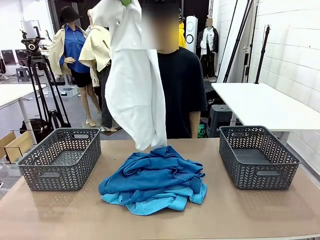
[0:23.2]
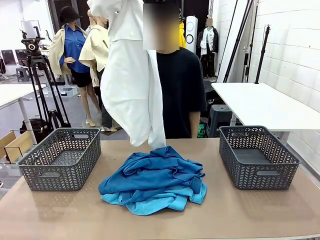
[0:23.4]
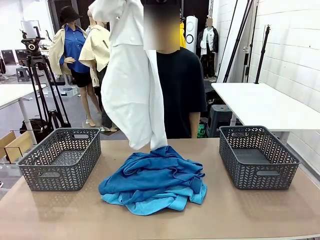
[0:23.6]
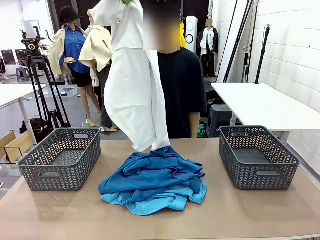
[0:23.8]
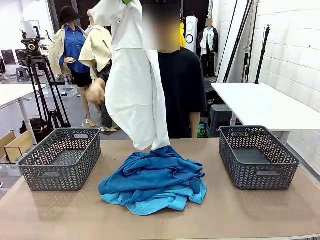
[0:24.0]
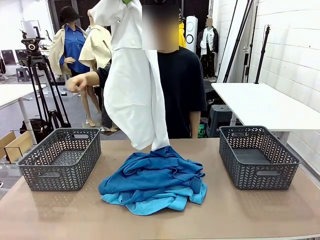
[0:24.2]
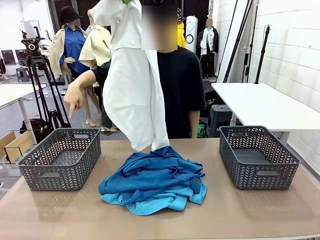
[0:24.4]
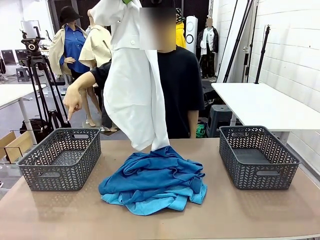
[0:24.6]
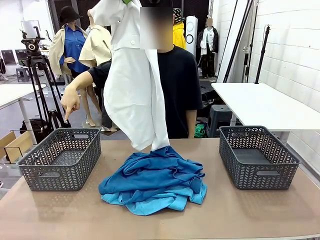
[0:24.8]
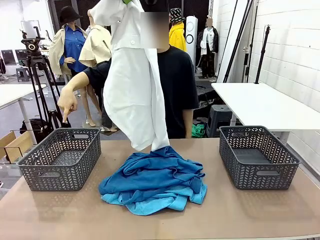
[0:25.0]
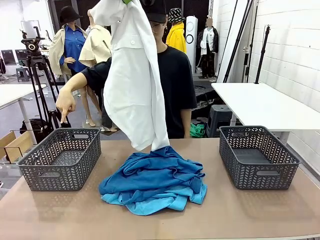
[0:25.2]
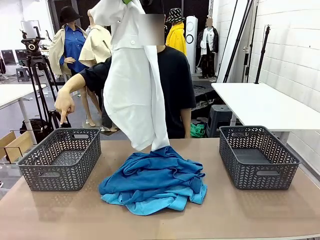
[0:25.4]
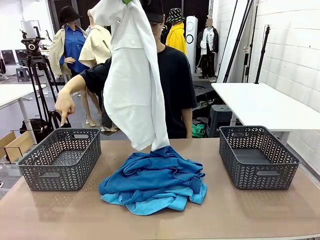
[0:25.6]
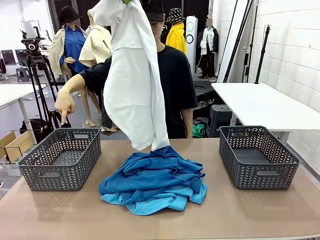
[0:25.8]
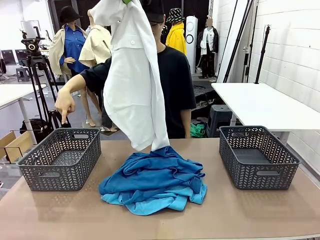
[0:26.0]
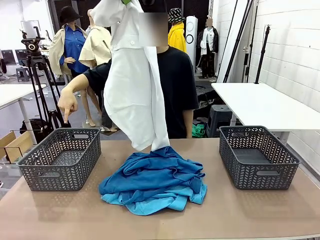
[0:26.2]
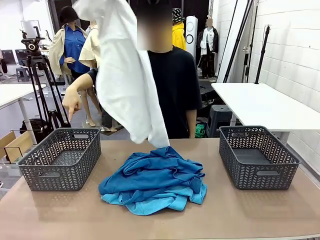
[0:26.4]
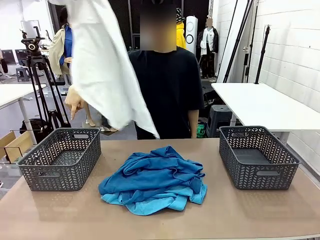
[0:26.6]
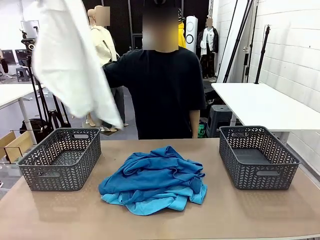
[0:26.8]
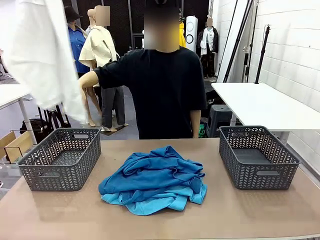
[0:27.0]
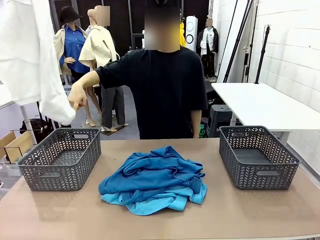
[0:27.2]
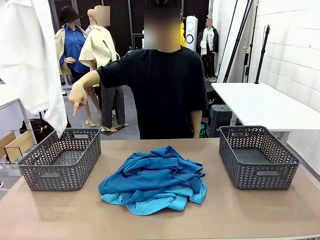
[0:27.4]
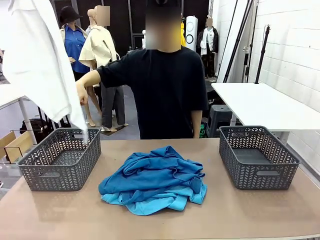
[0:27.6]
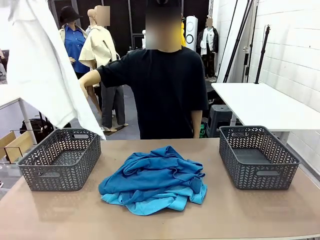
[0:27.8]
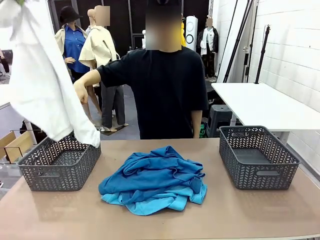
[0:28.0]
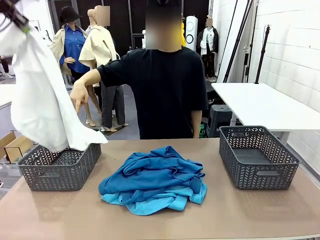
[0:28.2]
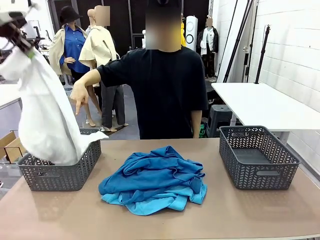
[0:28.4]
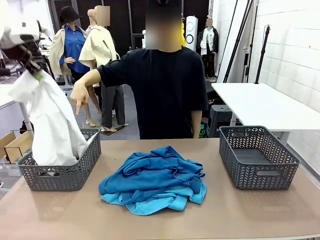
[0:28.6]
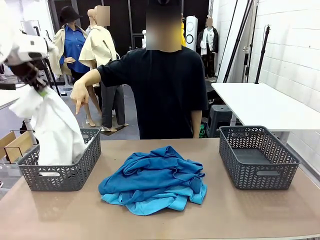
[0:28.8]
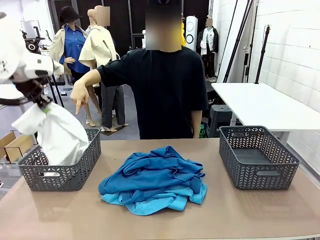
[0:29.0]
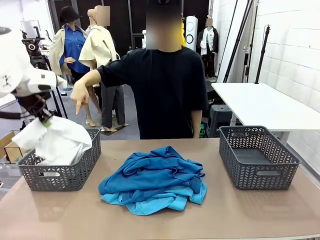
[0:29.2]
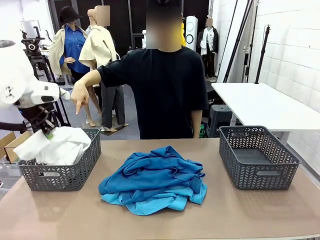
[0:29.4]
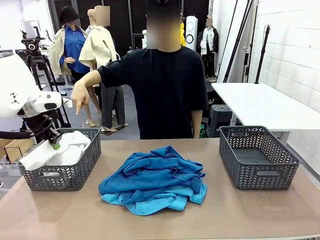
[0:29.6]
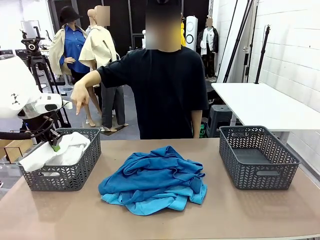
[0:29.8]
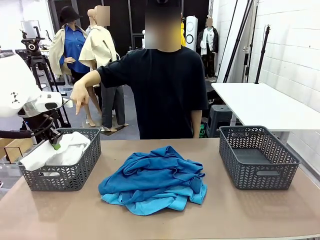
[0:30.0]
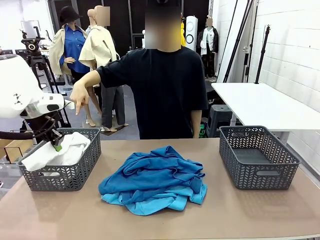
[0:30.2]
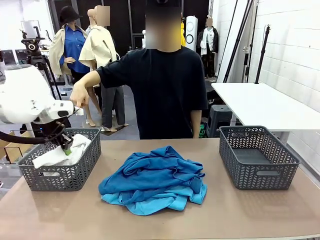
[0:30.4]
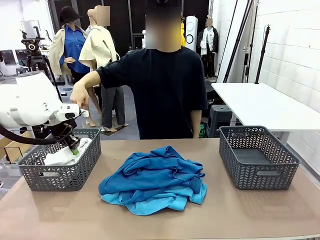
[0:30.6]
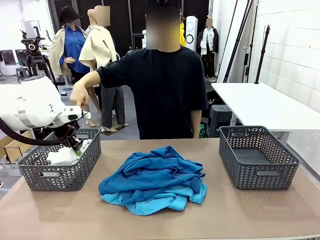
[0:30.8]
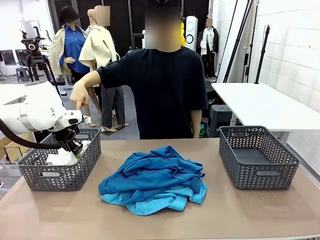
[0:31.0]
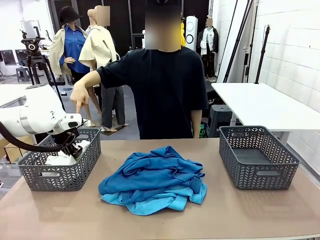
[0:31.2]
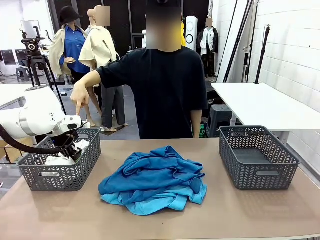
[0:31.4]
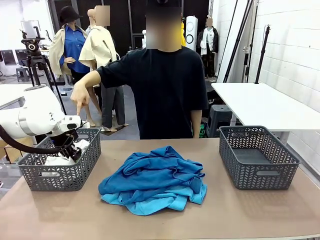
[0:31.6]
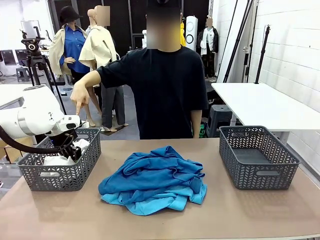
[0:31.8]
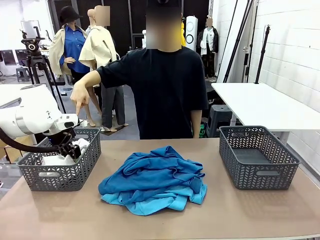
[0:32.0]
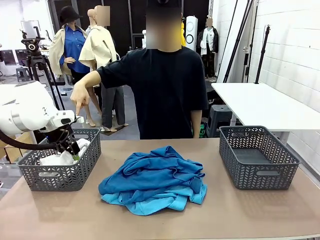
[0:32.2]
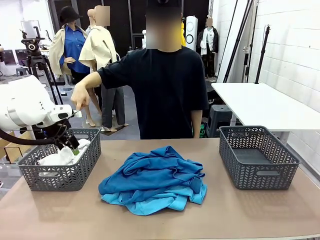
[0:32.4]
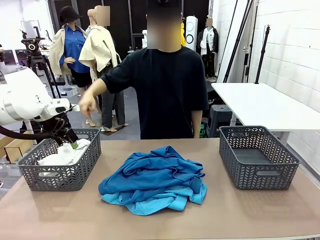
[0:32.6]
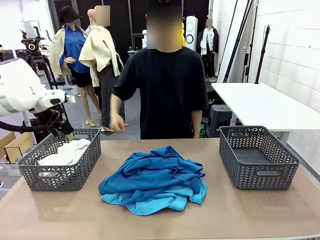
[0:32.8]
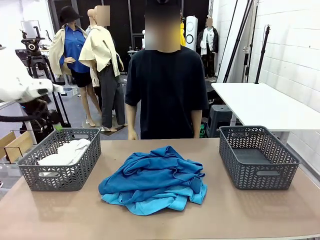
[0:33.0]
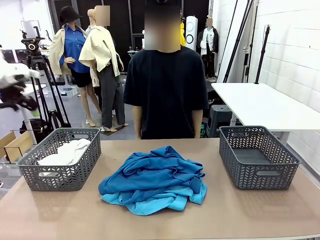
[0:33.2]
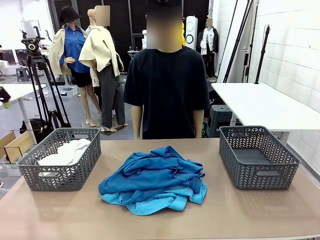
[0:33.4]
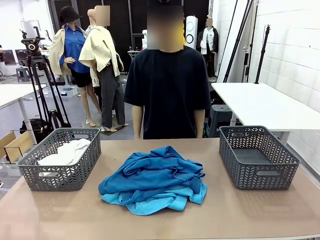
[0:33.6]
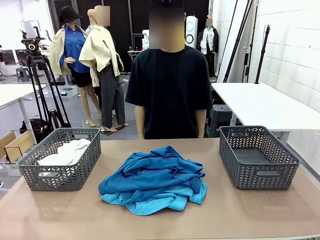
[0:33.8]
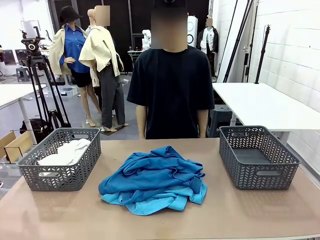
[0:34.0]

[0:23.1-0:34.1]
Task: Sort the tops and bottoms.
Robot: Sort the clothes according to human instructions.

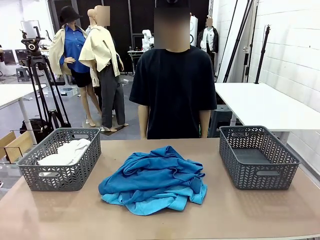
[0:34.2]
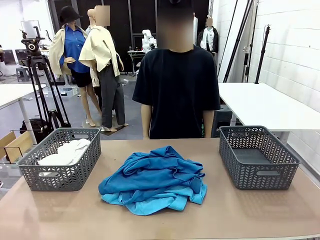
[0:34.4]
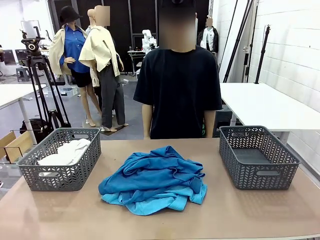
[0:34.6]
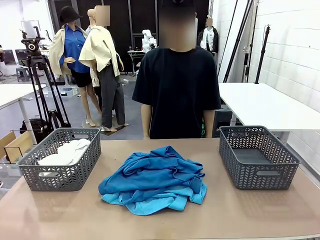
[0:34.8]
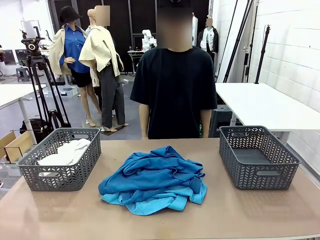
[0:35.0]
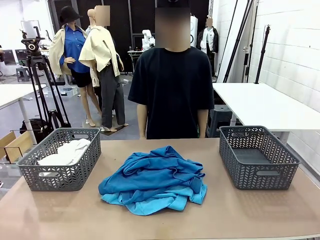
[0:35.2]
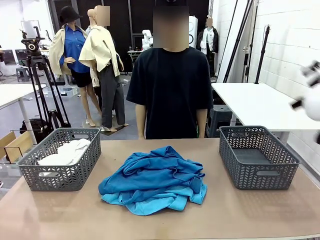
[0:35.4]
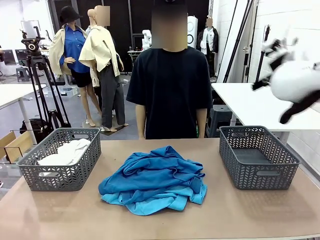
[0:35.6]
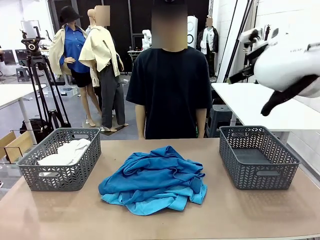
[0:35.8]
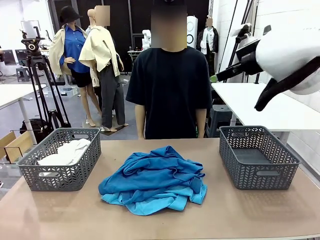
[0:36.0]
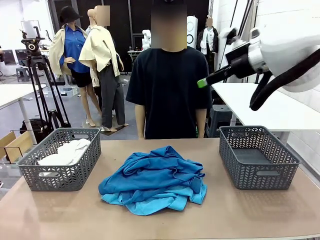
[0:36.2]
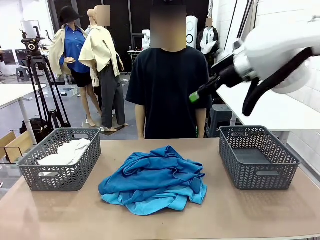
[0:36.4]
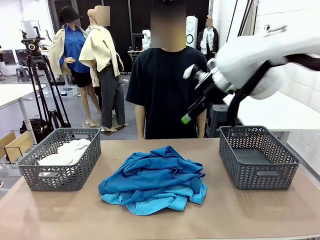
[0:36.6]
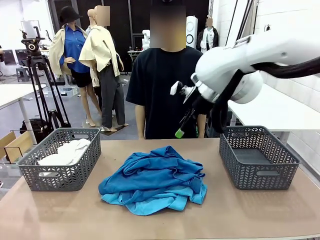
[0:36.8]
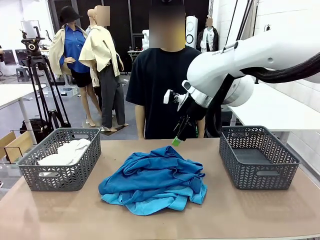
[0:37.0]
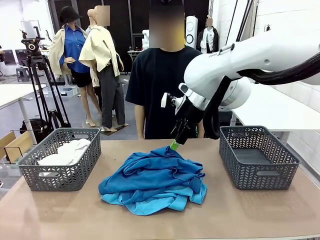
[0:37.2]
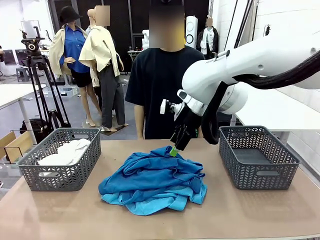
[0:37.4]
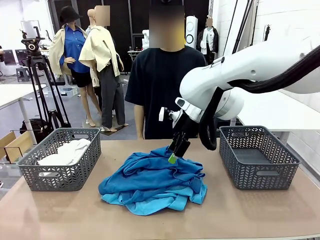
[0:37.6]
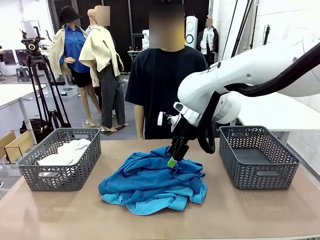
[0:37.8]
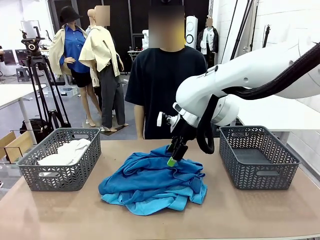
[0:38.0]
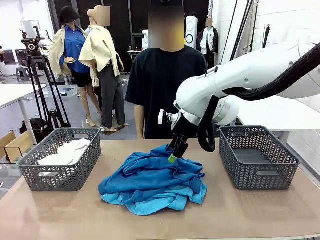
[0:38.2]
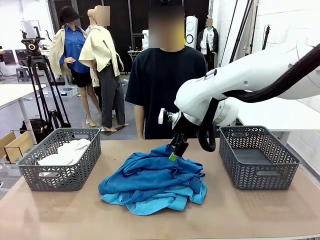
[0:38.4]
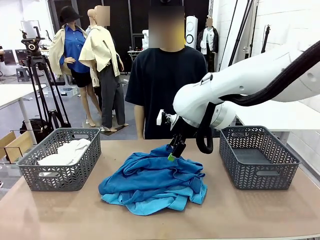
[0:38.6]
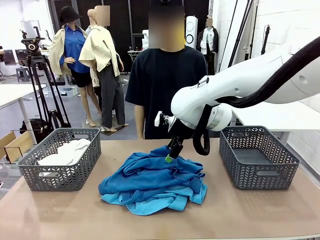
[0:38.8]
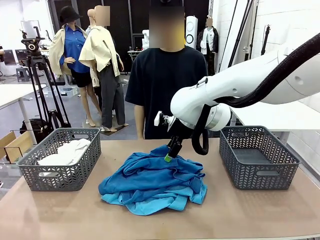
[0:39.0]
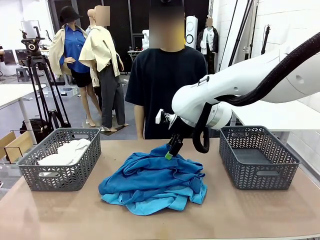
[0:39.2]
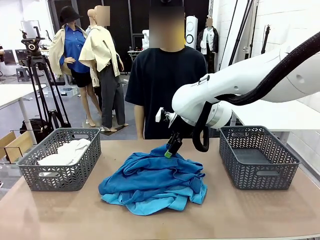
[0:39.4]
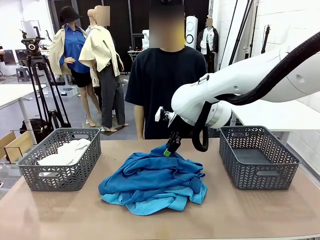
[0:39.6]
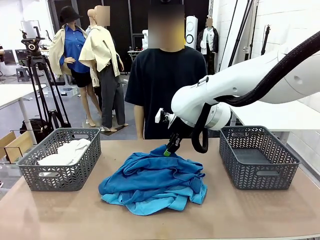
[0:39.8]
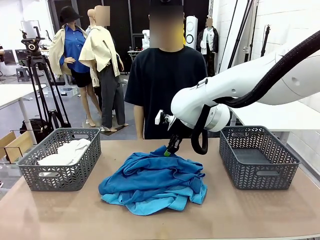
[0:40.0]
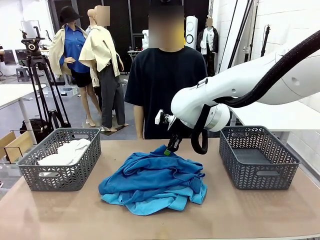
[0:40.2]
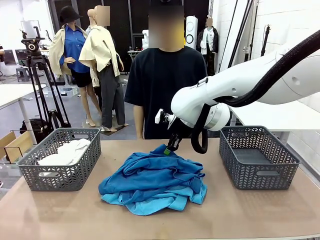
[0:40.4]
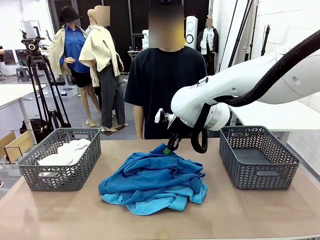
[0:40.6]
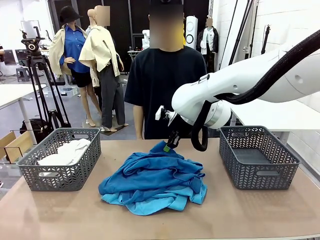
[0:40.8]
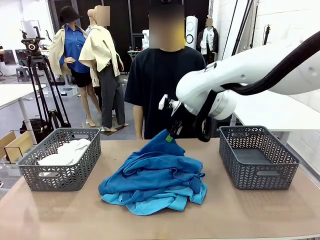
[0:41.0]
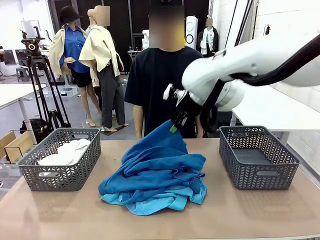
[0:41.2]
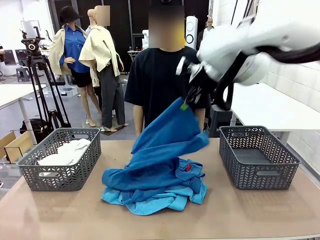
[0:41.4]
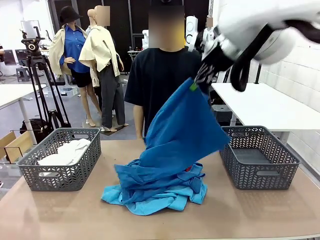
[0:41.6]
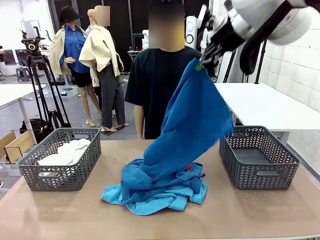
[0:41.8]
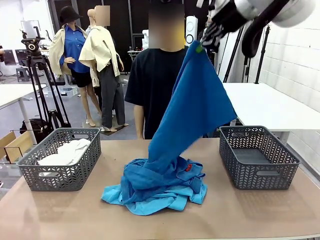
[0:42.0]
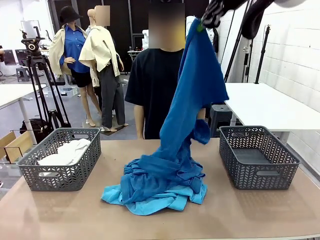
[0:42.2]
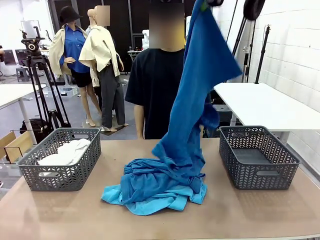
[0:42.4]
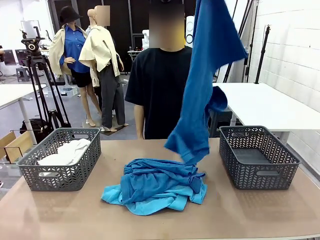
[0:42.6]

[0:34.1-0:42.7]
Robot: Lift clothes from the center of the table with your right hand.
